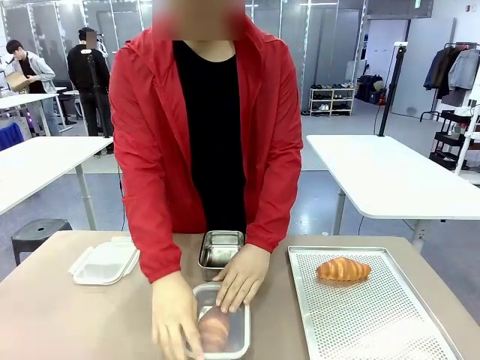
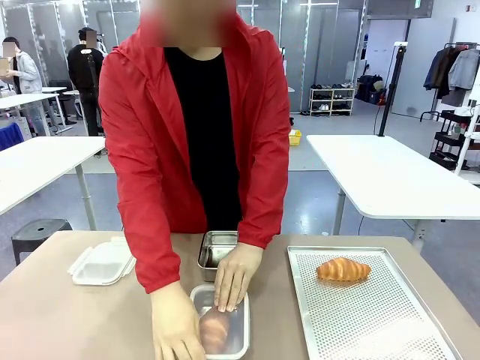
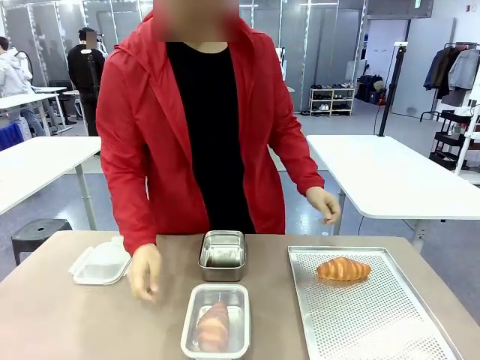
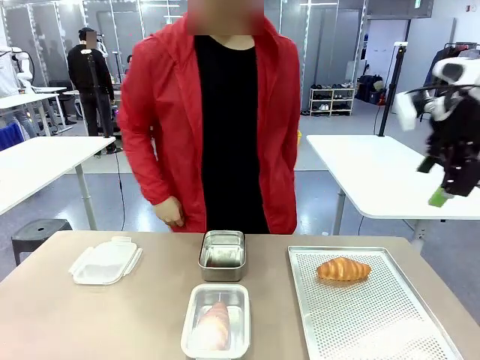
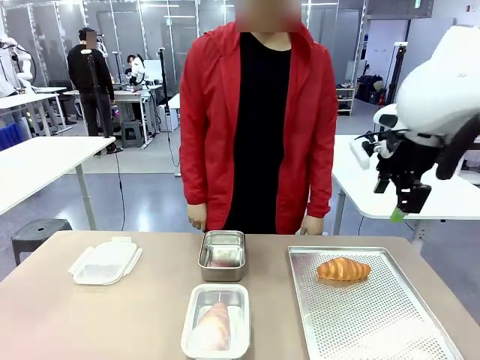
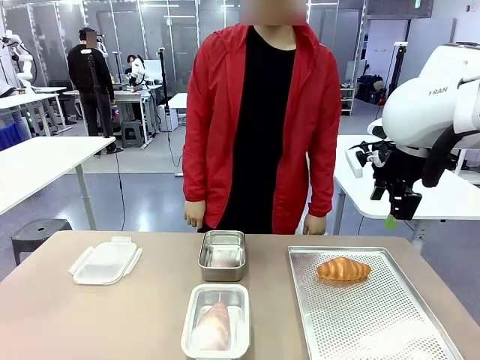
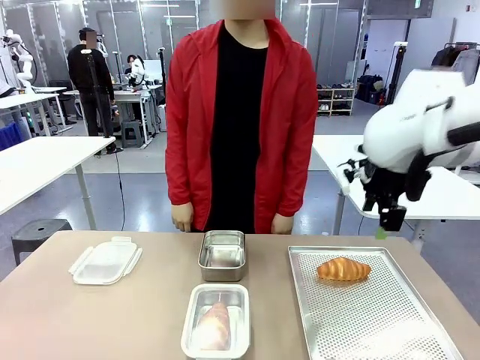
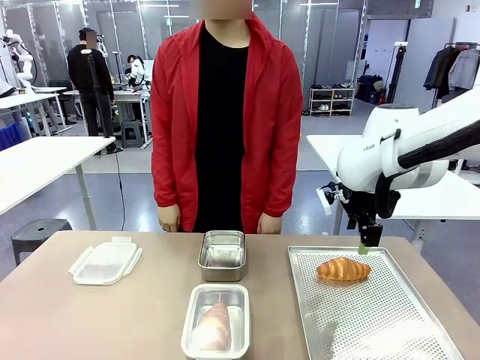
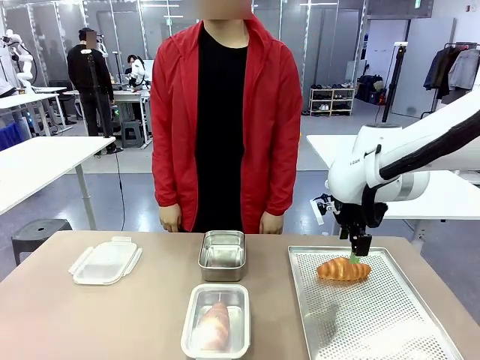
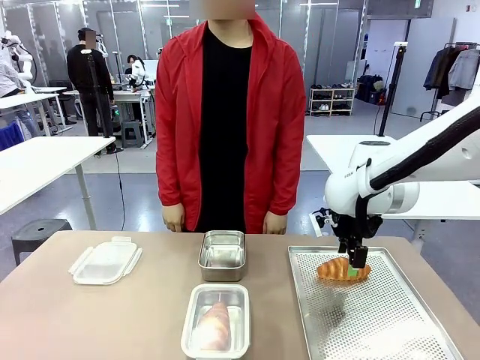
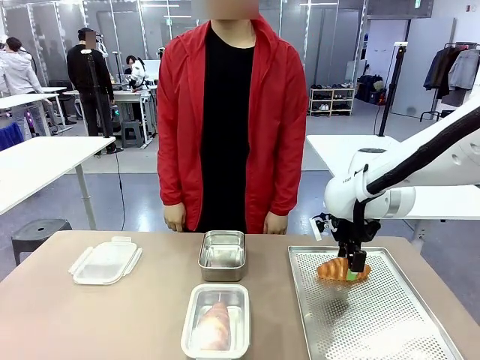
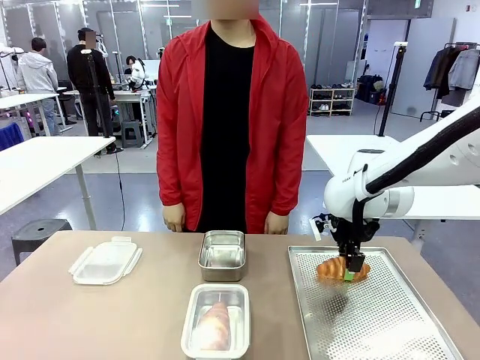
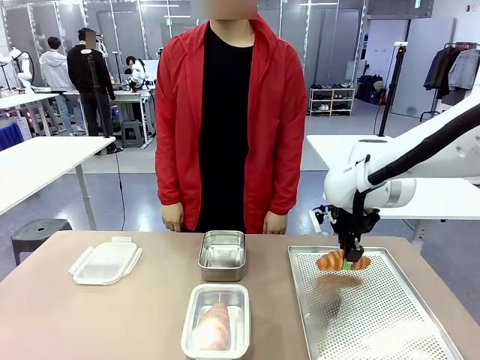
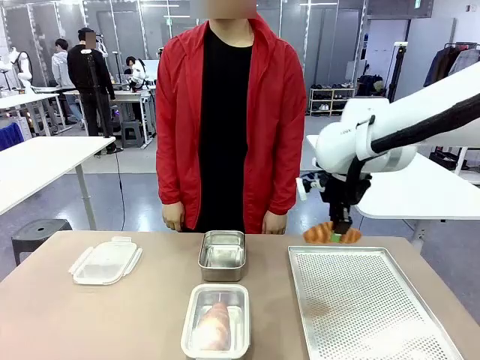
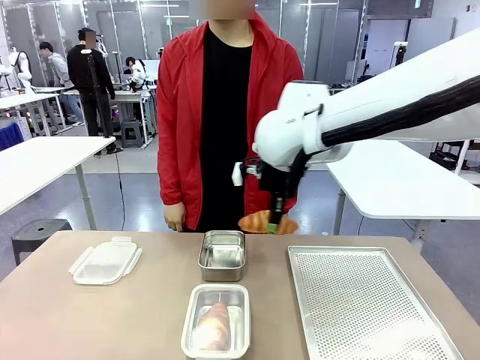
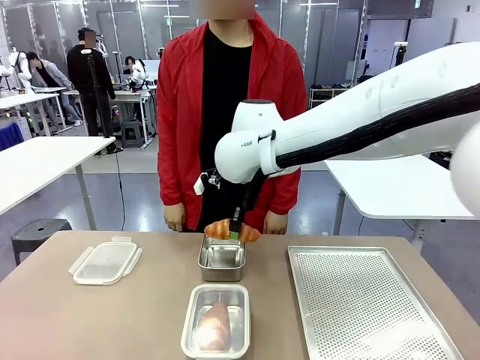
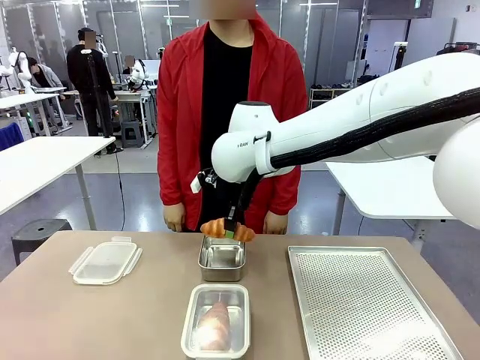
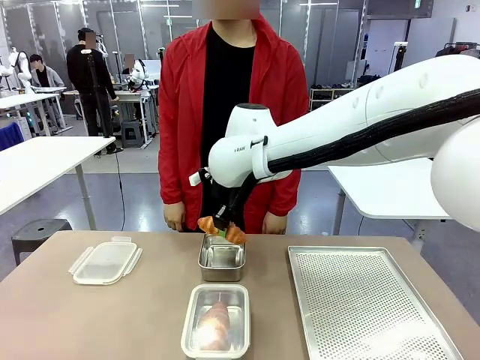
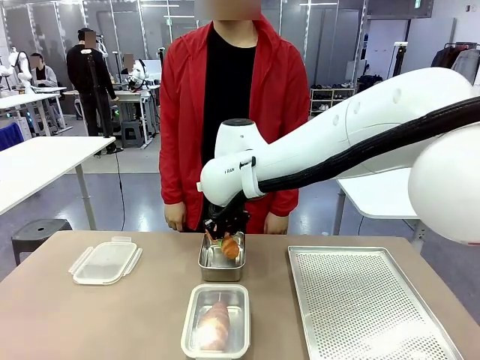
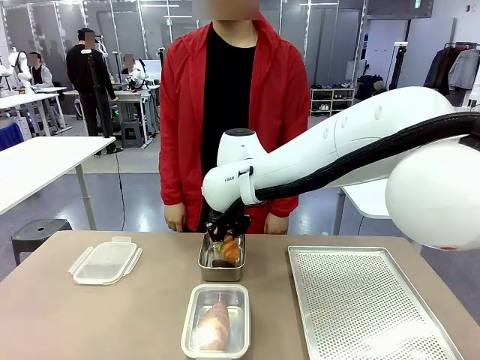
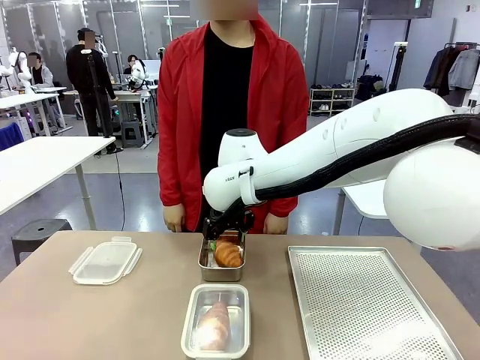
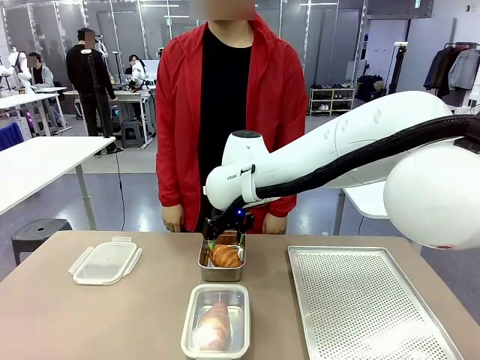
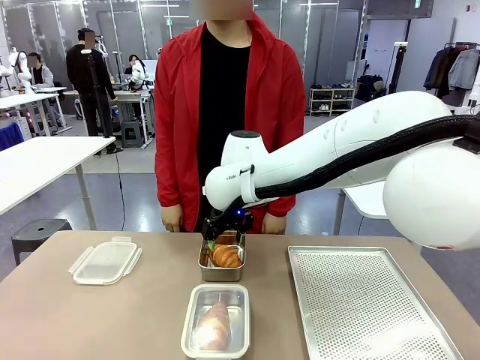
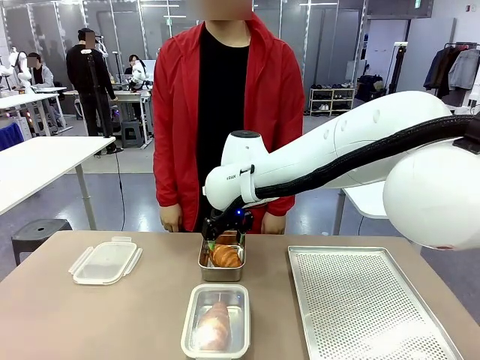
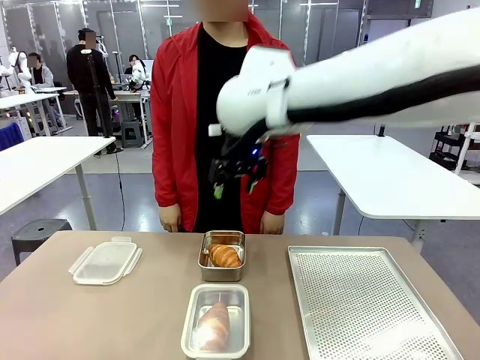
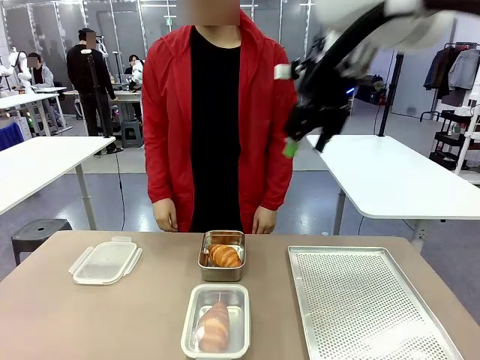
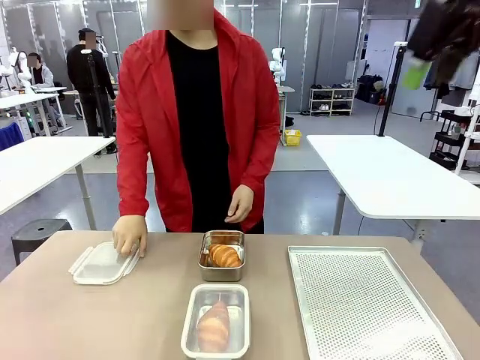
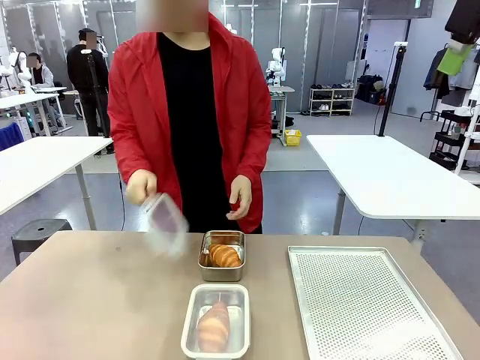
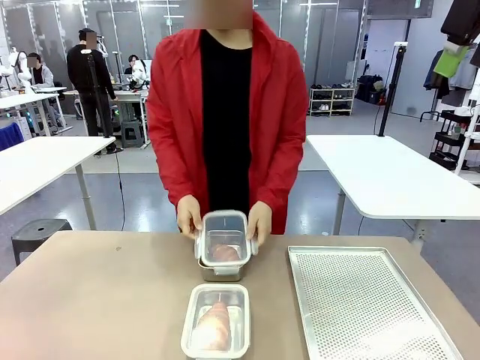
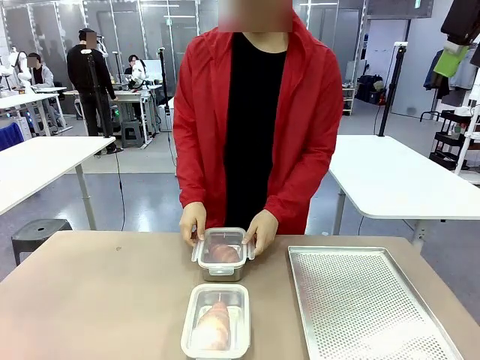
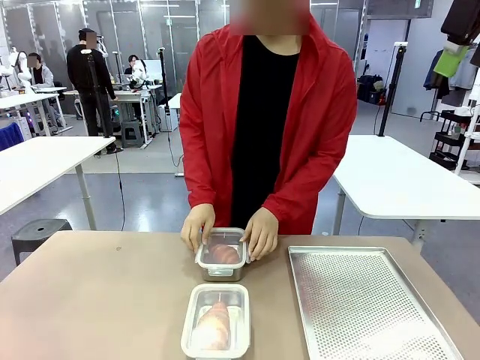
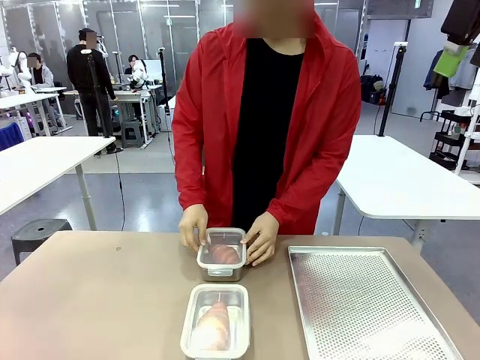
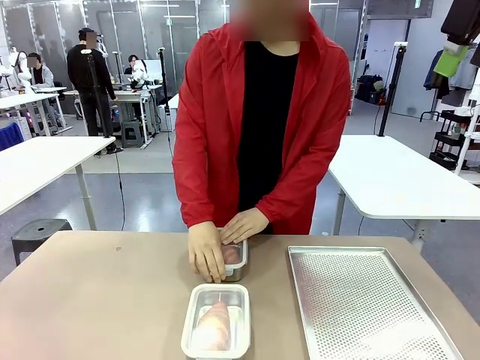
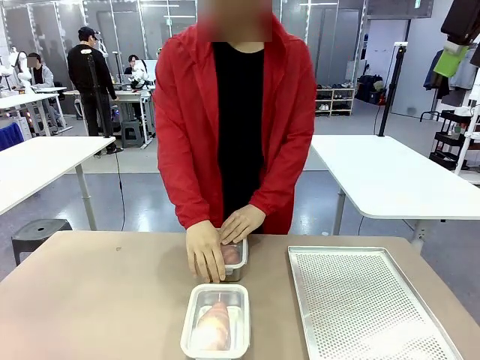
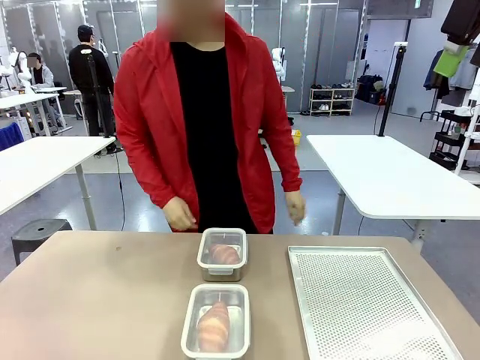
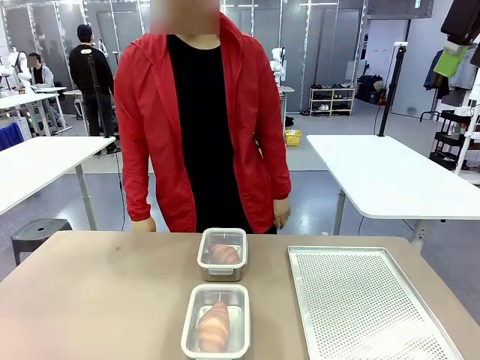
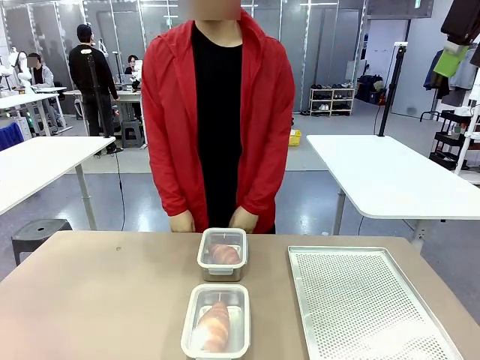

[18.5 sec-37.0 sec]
Task: Place the bread into the airtight container.
Robot: Pick up a Butter Roll and place it into an empty Airtight Container.
